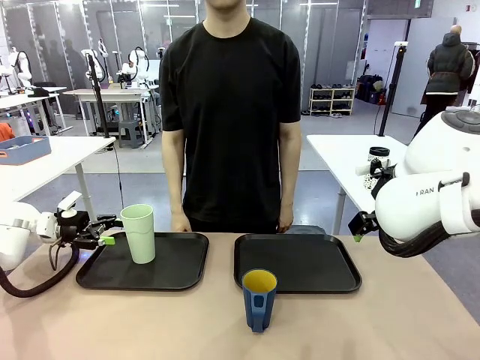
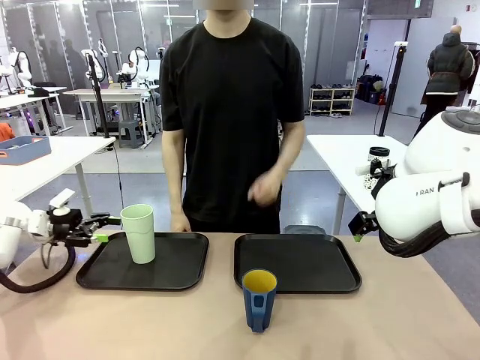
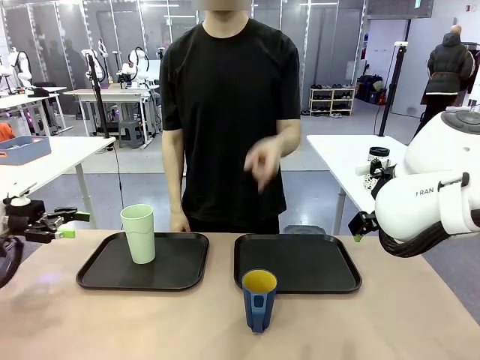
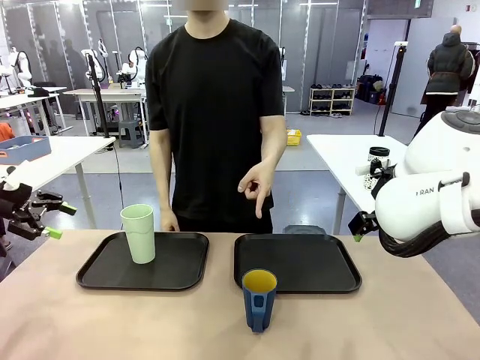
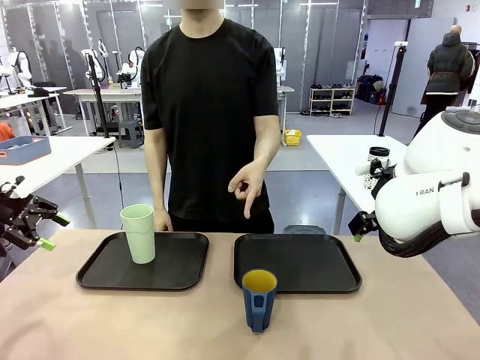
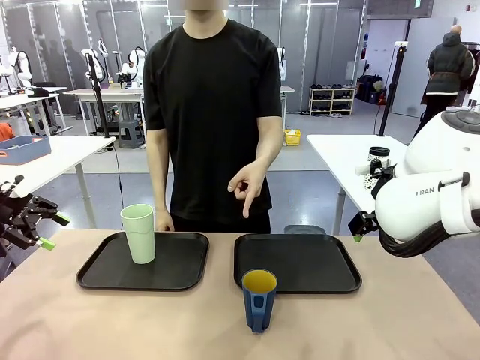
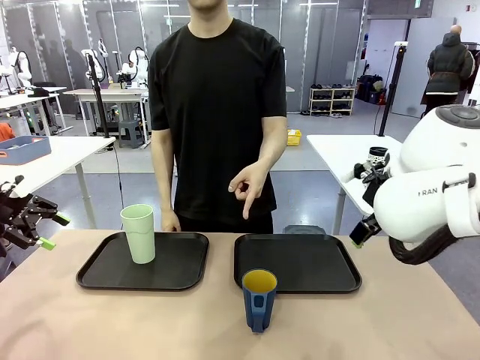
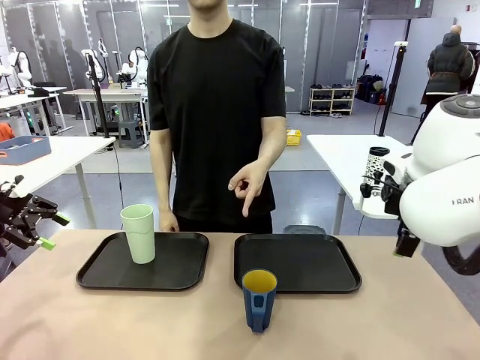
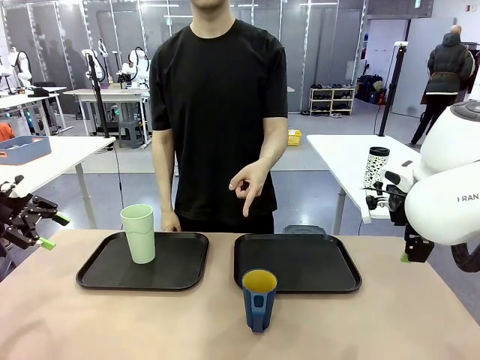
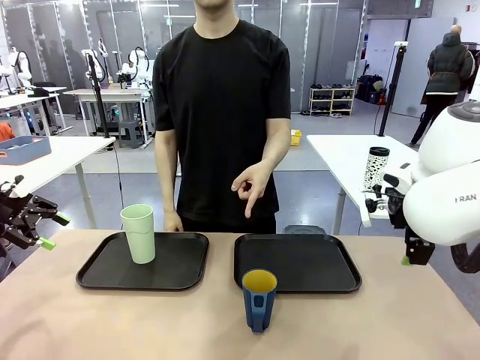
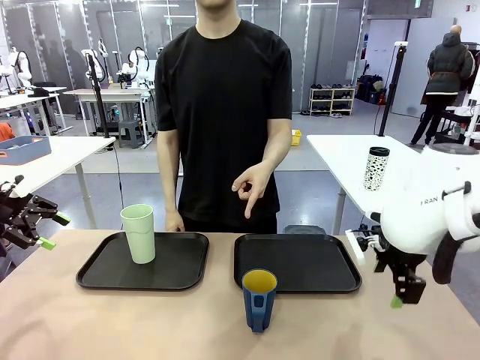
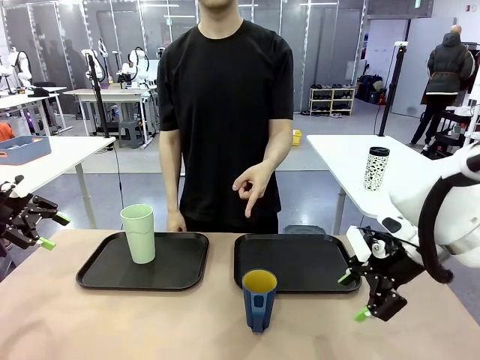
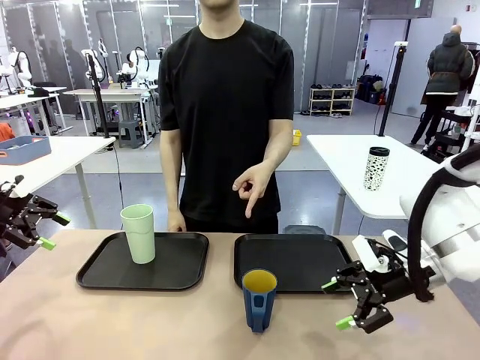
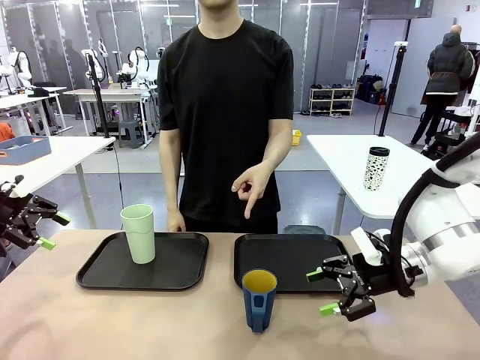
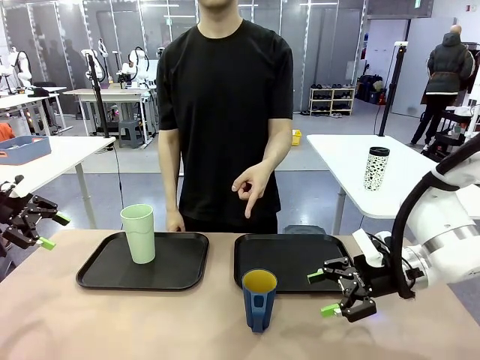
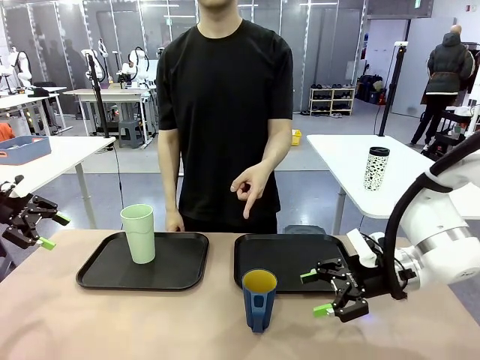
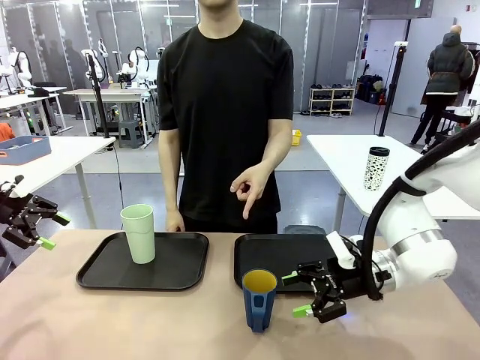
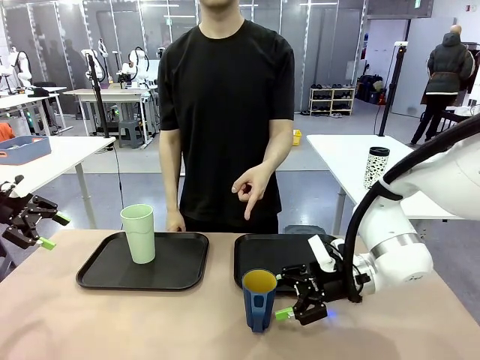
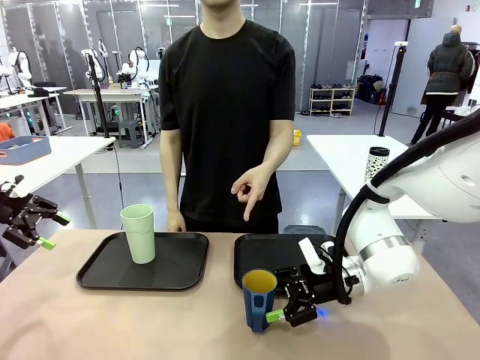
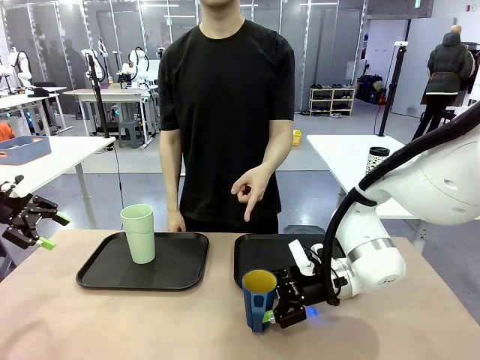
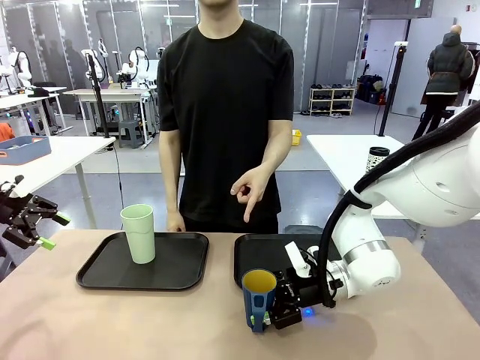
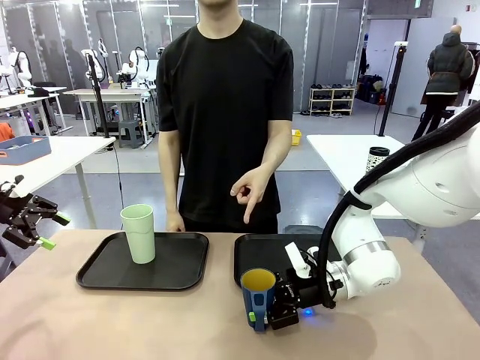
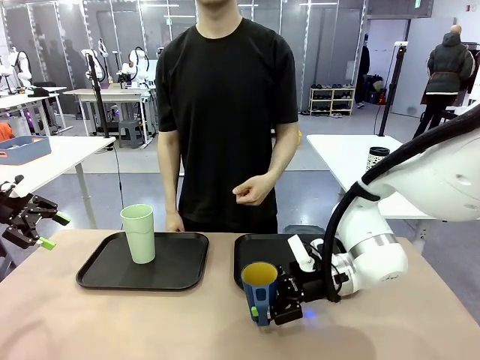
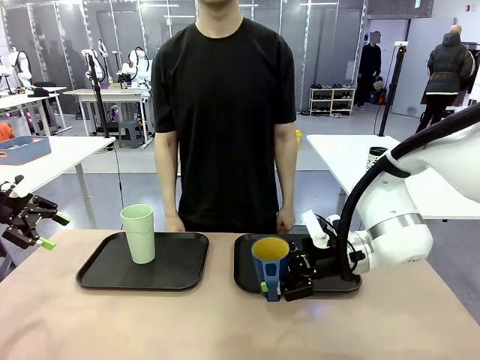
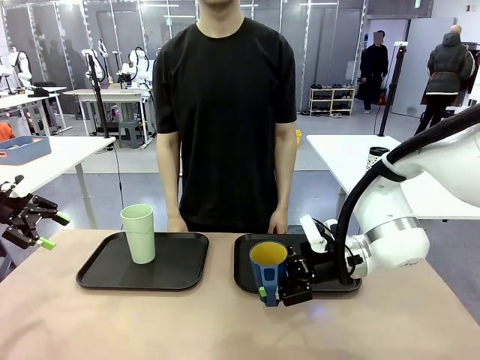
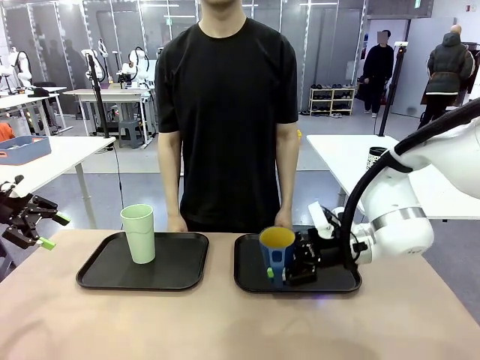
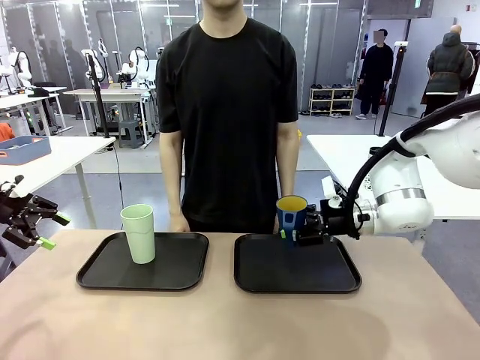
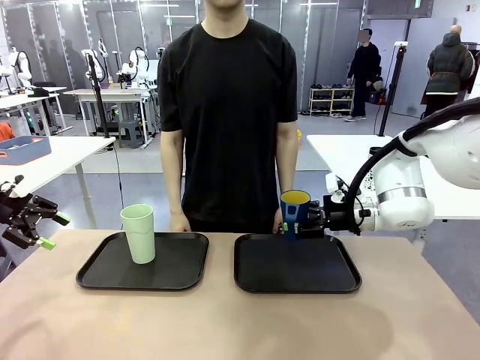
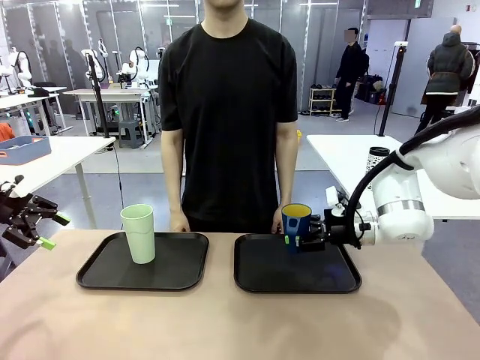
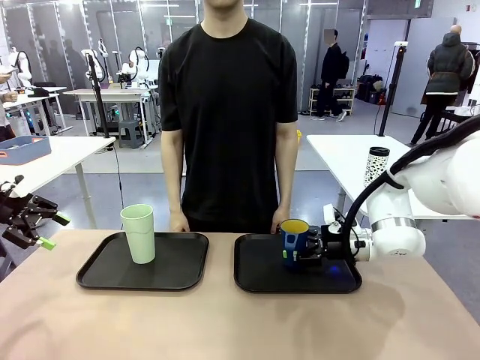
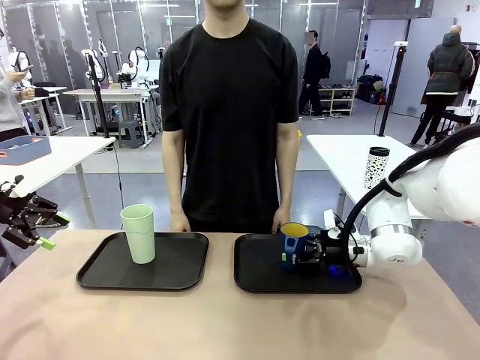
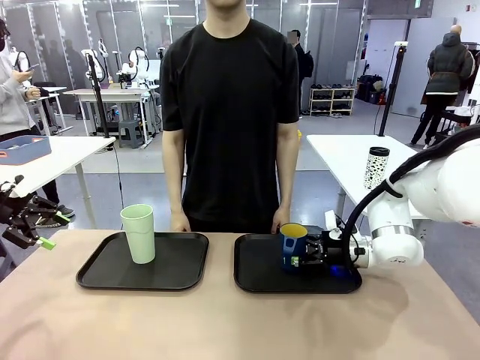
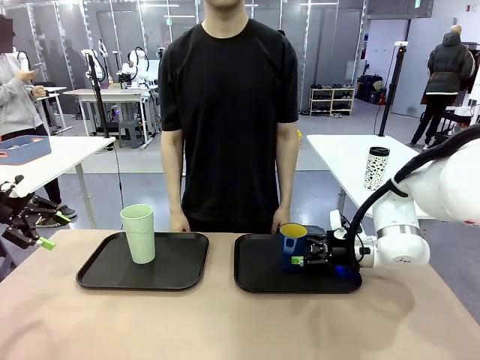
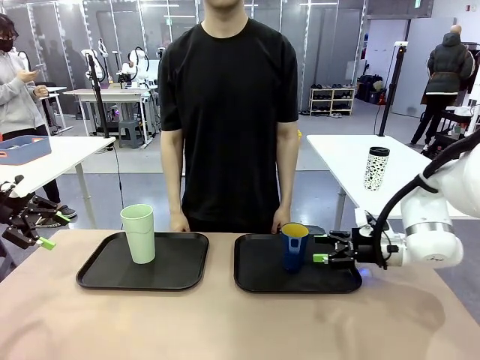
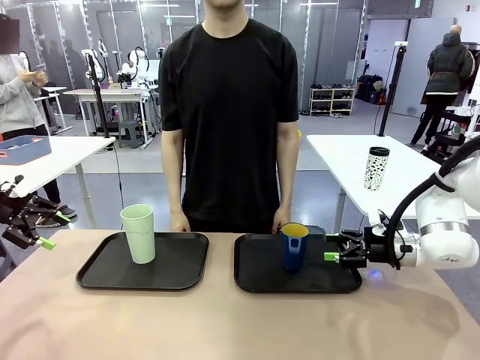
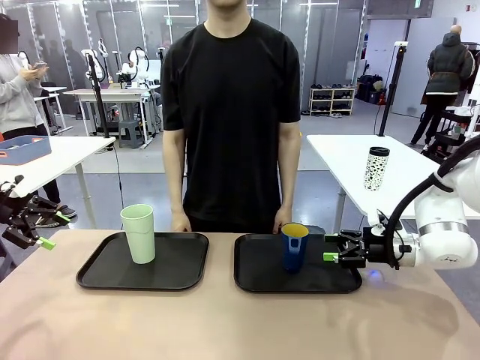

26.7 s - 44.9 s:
Task: Sort and store the cups by type.
Robot: Pick up the Handle plastic cup and place it into the empty Flat Tray.
Person: Points to the cup with a handle.

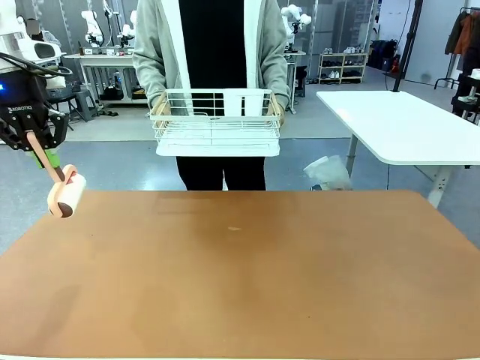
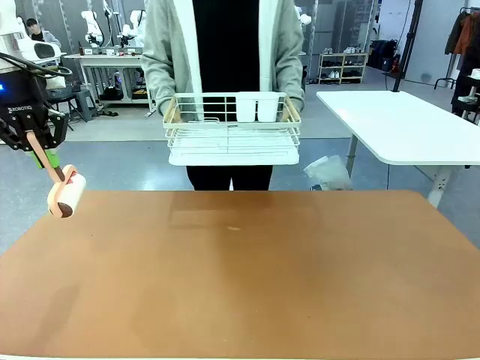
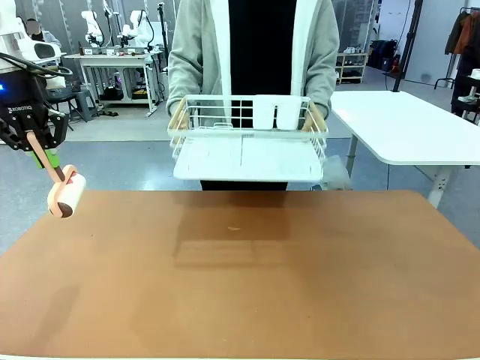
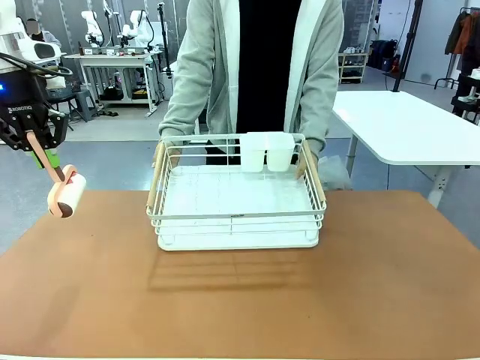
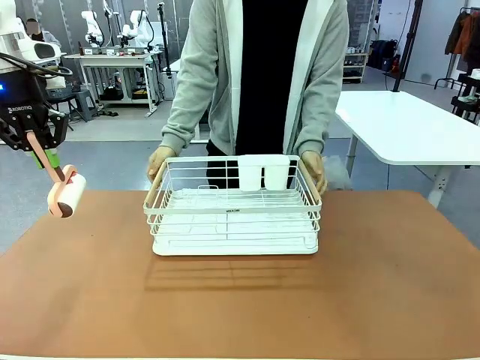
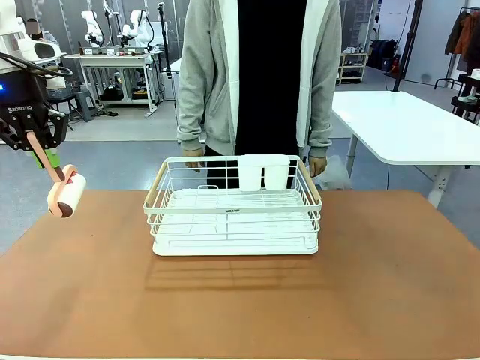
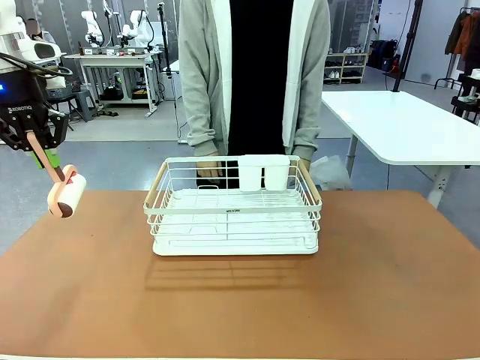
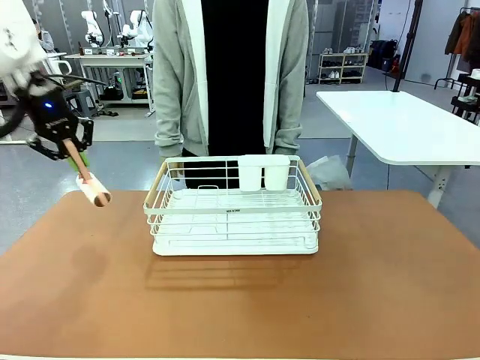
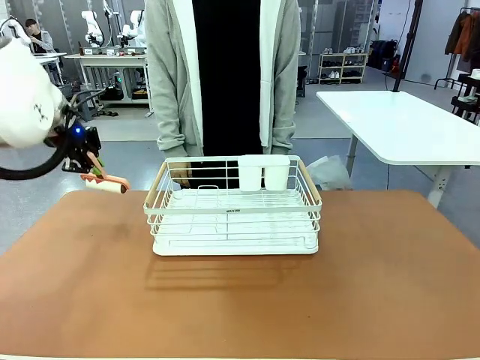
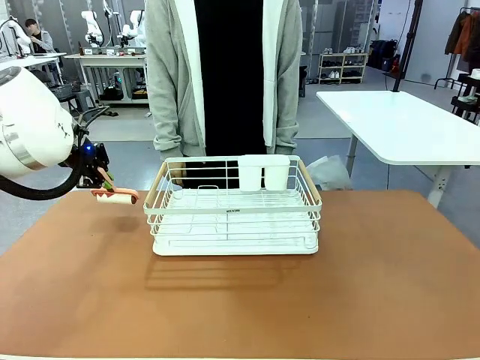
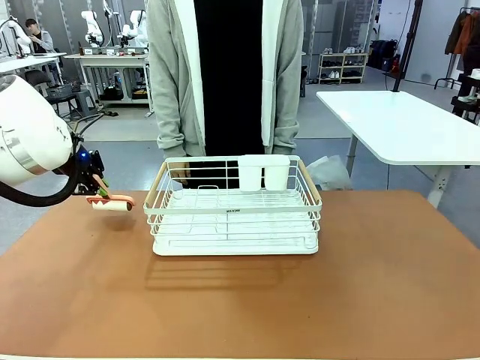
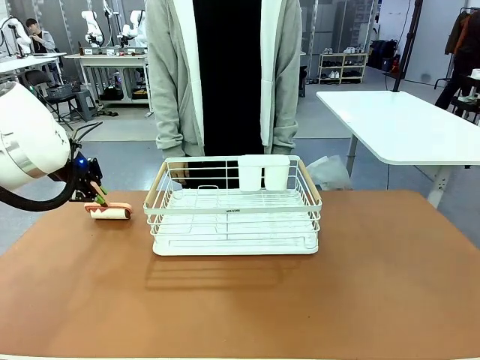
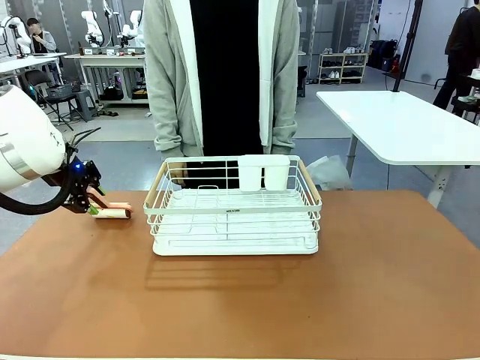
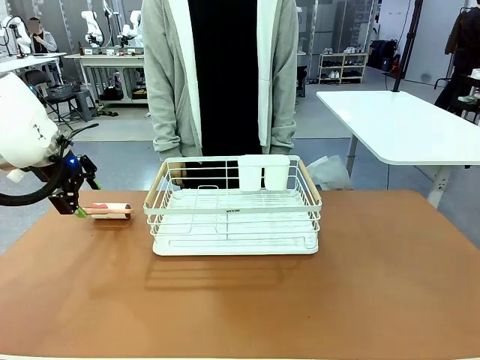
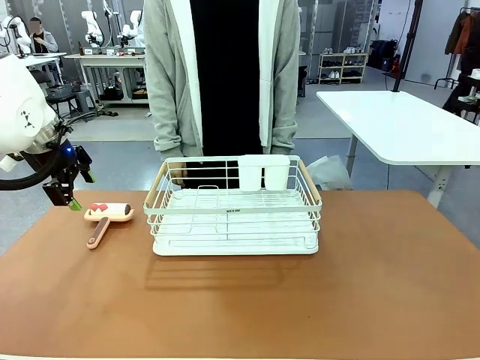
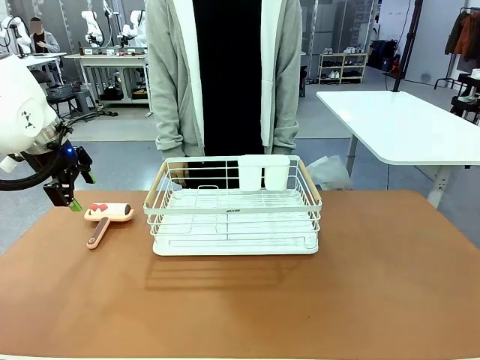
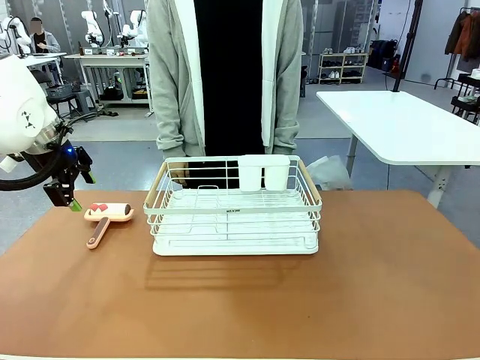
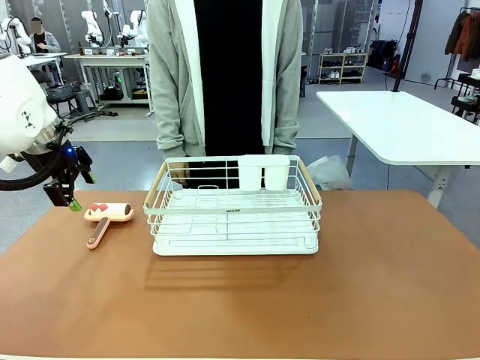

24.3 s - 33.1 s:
Task: Clean the table.
Robot: Place the Lint Roller down when the Dish drying rack is positioned in the middle of the table.
